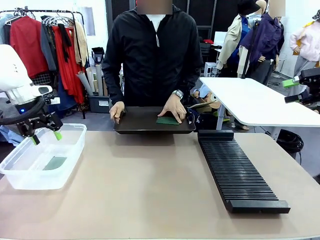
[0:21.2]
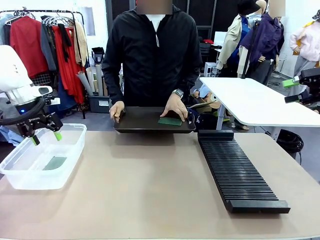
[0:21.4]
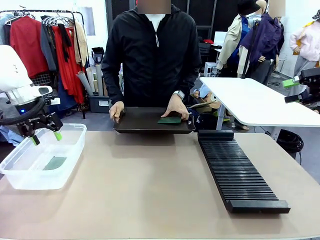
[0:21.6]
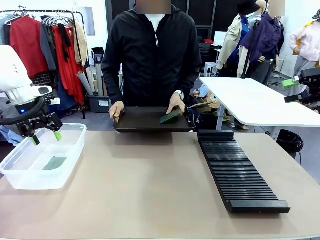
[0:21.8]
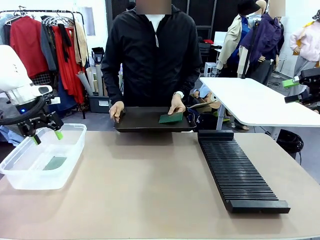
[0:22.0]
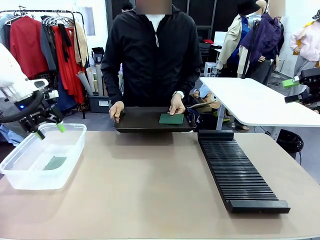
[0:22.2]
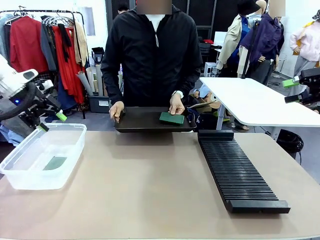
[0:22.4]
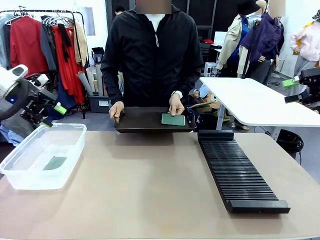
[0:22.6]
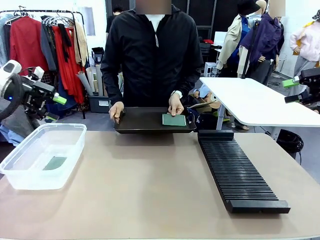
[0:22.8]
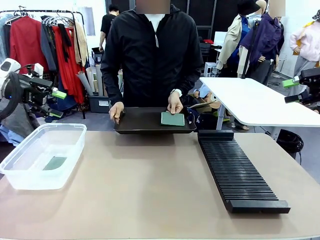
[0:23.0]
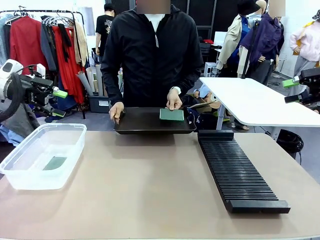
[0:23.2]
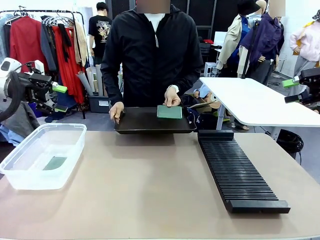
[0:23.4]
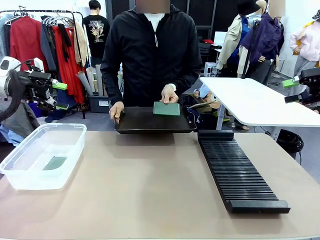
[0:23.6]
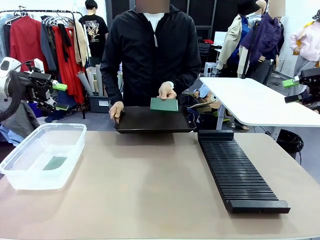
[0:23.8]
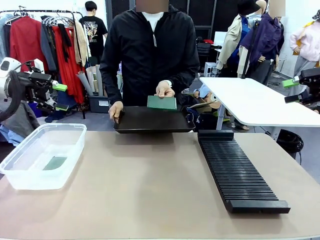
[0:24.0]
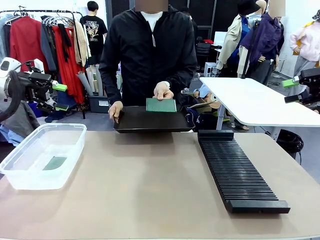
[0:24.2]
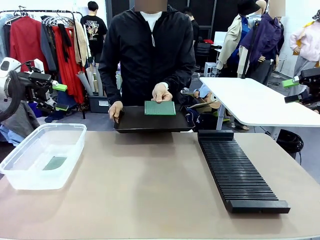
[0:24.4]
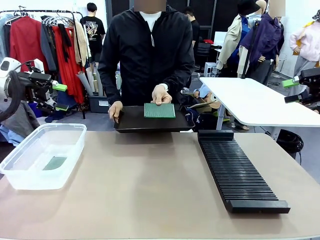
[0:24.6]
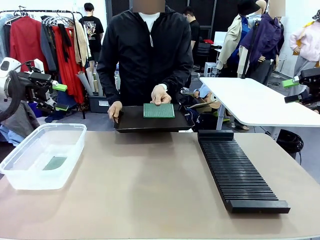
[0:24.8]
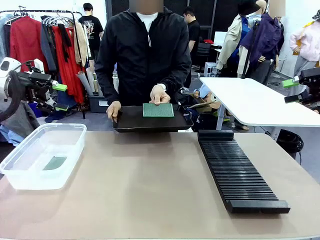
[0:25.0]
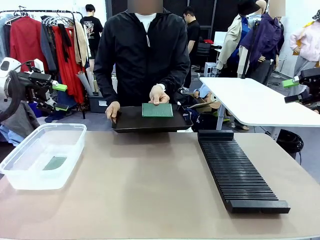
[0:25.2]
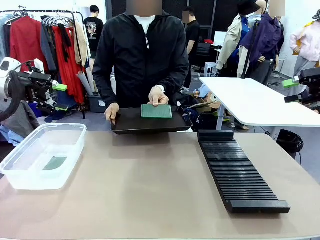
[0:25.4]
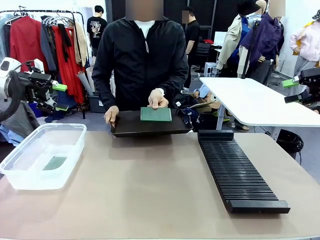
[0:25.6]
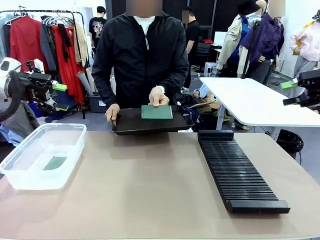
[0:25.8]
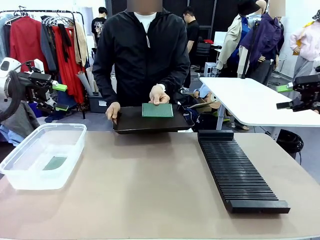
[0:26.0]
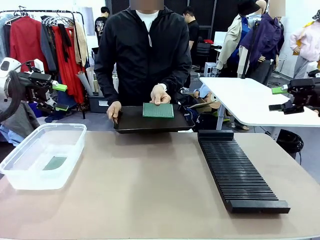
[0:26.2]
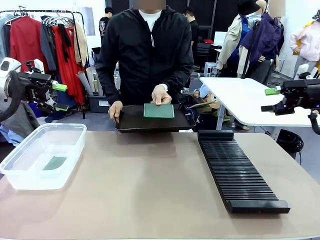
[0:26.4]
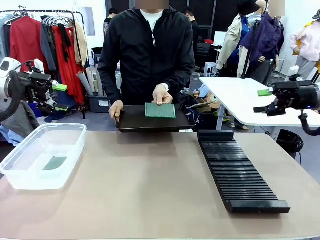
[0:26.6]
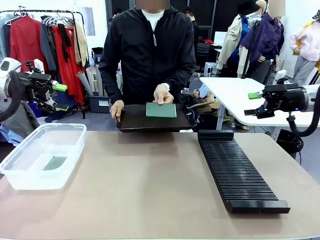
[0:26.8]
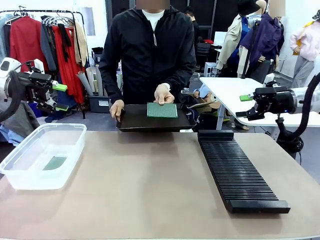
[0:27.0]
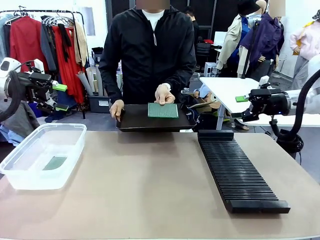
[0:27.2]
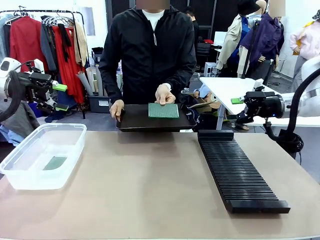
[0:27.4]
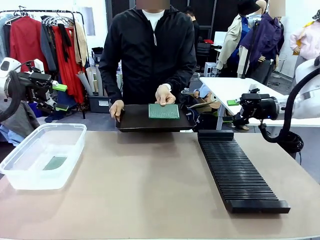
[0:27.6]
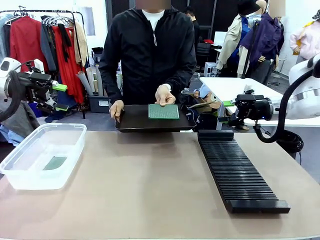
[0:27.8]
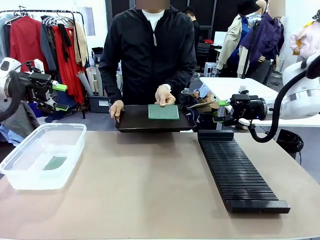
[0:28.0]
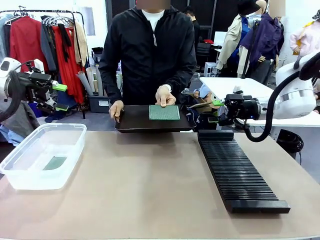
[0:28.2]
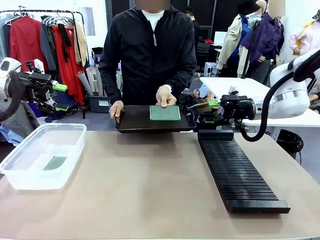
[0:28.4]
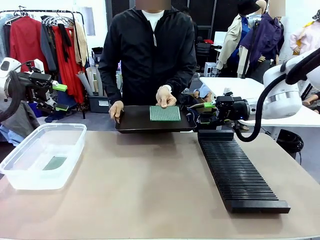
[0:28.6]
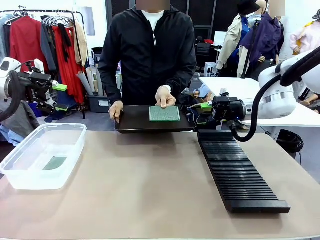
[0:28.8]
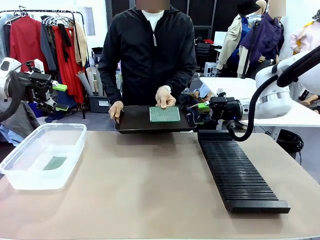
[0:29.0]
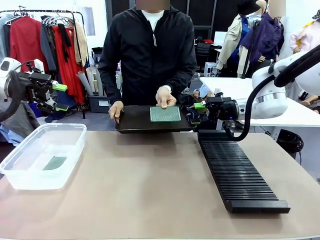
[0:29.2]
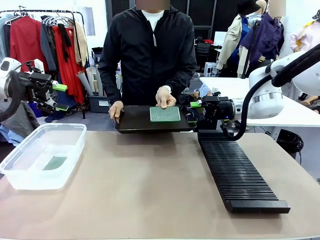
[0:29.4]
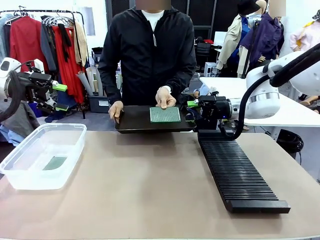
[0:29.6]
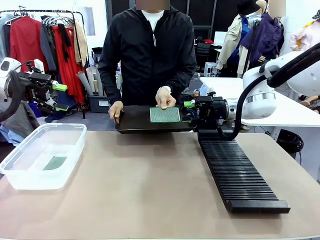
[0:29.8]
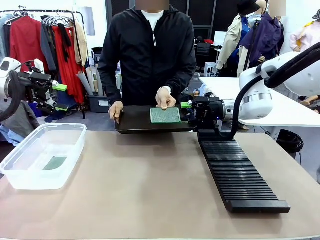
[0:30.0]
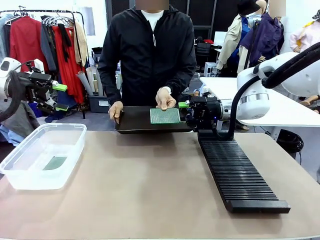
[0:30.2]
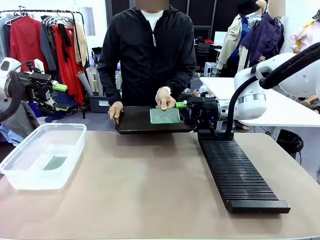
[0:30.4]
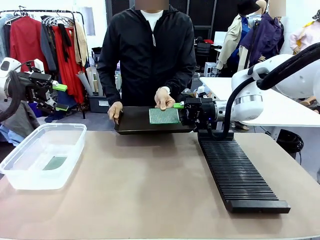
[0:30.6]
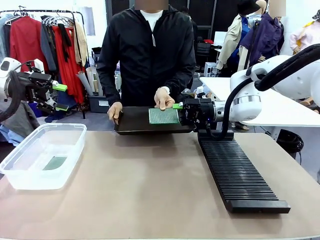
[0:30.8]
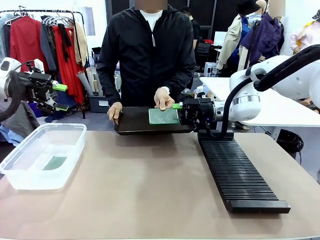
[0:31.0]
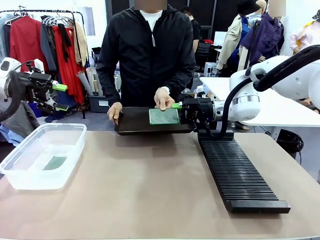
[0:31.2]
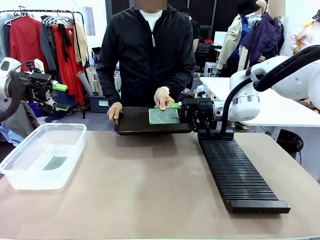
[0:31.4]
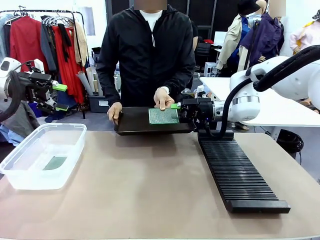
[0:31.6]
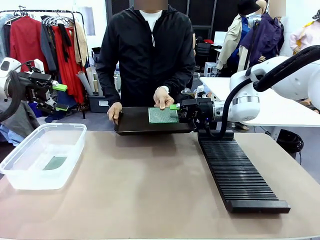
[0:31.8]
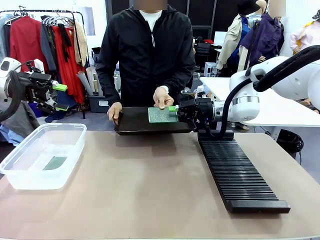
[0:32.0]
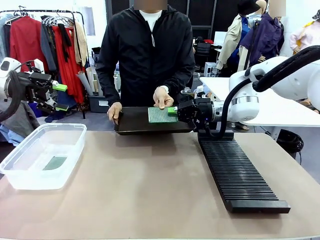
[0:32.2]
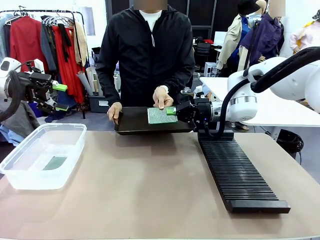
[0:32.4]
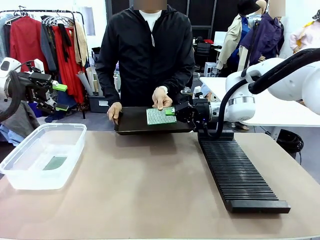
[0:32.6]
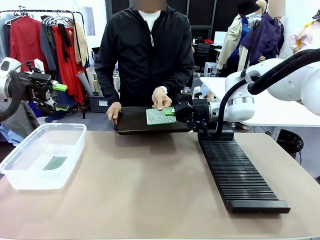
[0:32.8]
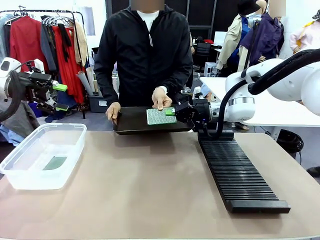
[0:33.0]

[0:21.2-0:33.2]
Task: Sort PCBs into racks and boxes based on the side picked up.
Robot: Pick up the Blank PCB handed by the Human.

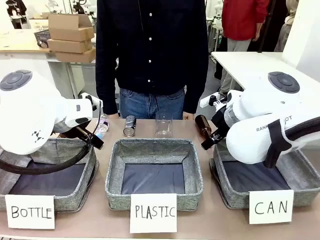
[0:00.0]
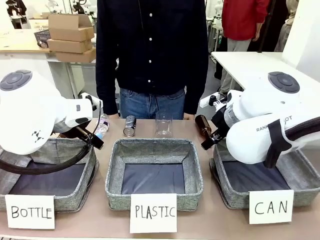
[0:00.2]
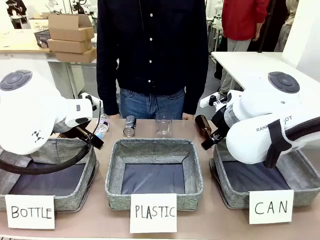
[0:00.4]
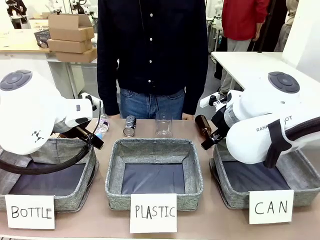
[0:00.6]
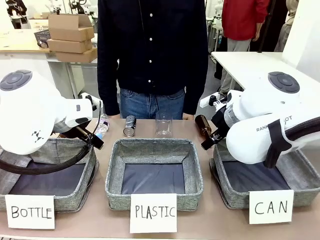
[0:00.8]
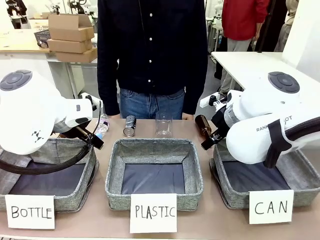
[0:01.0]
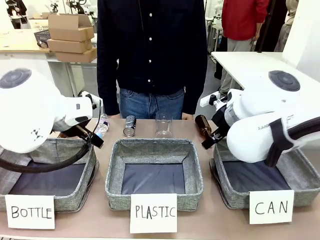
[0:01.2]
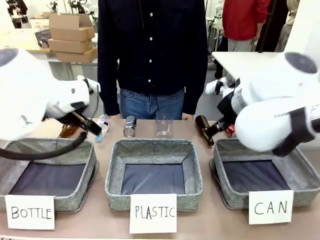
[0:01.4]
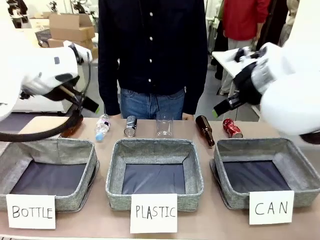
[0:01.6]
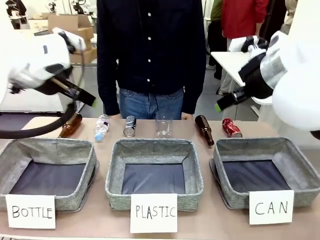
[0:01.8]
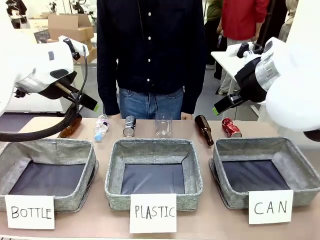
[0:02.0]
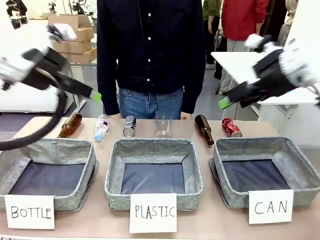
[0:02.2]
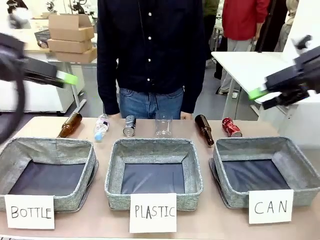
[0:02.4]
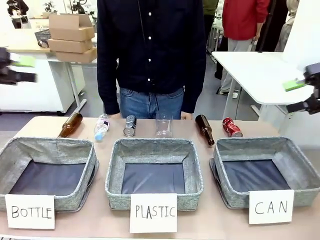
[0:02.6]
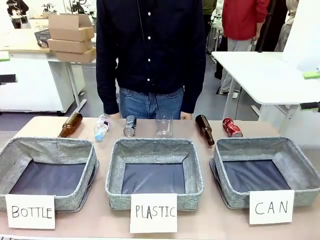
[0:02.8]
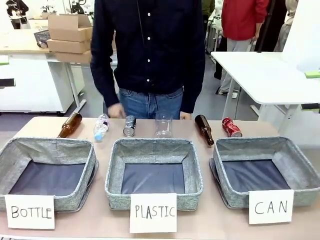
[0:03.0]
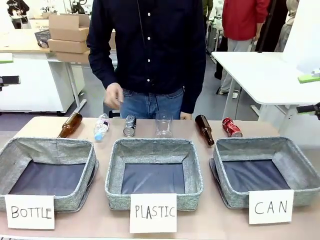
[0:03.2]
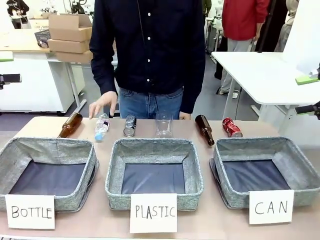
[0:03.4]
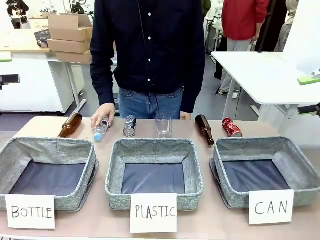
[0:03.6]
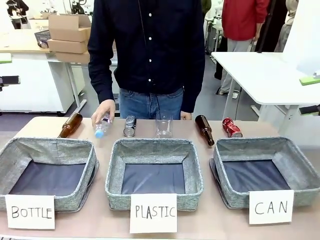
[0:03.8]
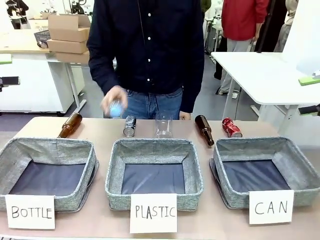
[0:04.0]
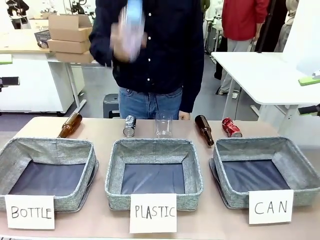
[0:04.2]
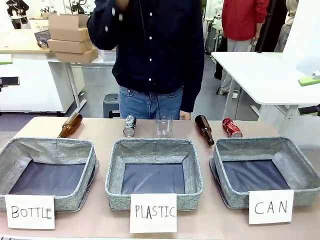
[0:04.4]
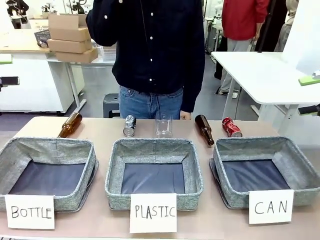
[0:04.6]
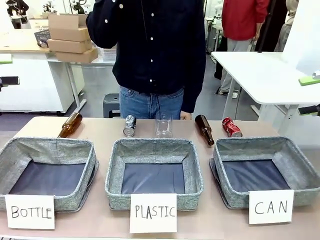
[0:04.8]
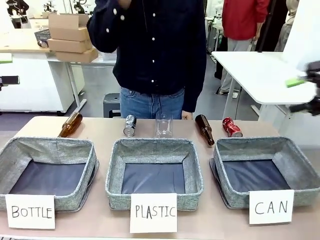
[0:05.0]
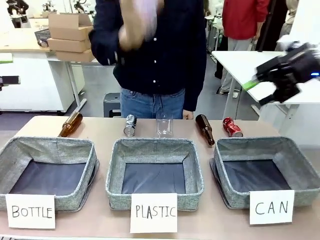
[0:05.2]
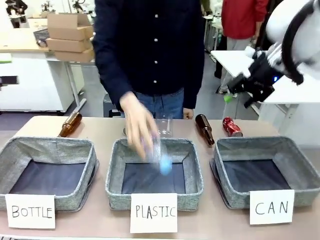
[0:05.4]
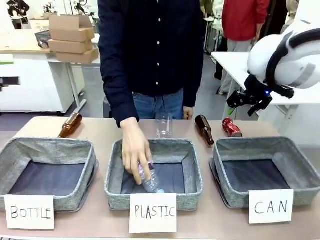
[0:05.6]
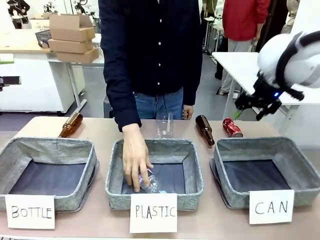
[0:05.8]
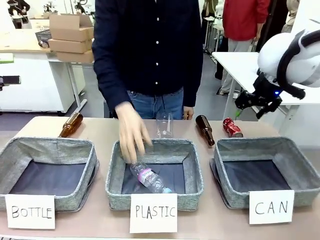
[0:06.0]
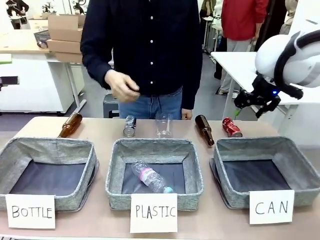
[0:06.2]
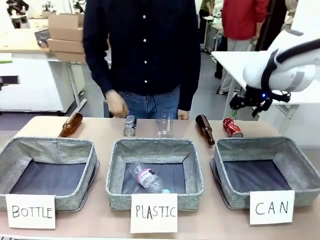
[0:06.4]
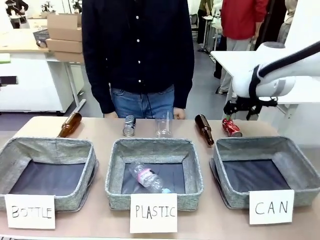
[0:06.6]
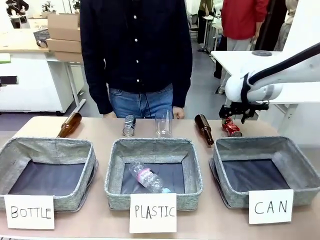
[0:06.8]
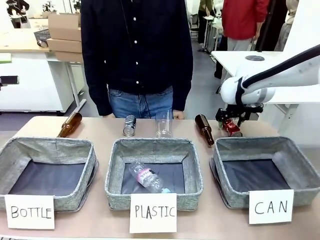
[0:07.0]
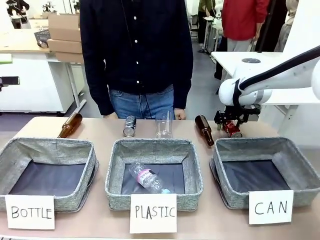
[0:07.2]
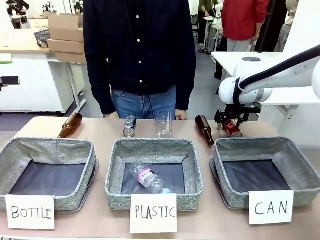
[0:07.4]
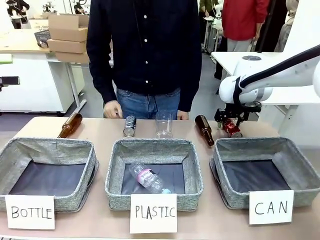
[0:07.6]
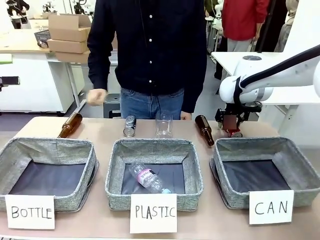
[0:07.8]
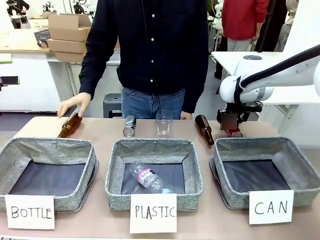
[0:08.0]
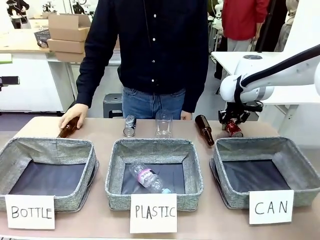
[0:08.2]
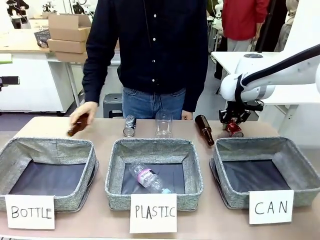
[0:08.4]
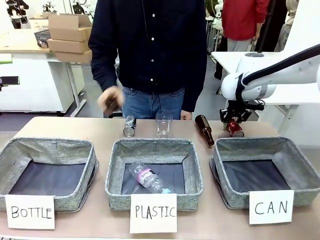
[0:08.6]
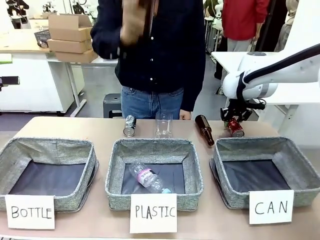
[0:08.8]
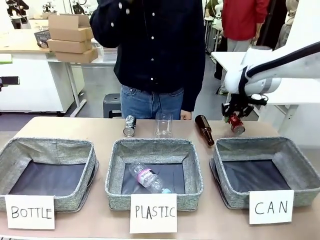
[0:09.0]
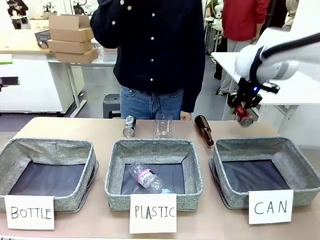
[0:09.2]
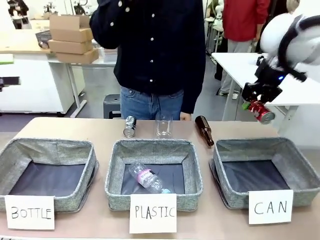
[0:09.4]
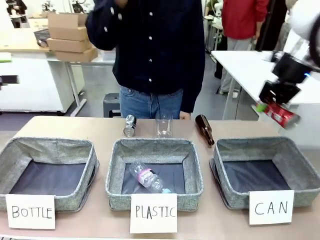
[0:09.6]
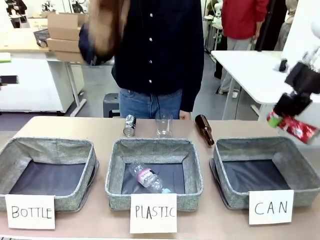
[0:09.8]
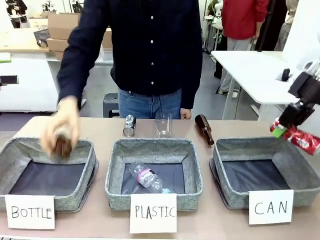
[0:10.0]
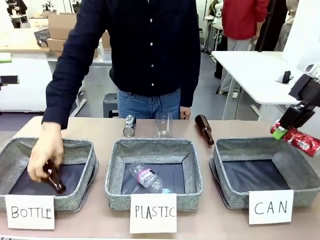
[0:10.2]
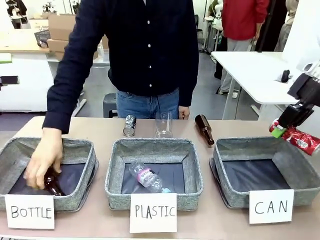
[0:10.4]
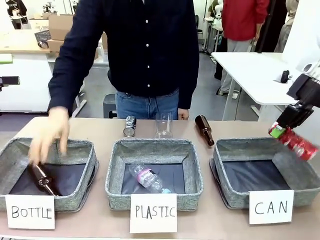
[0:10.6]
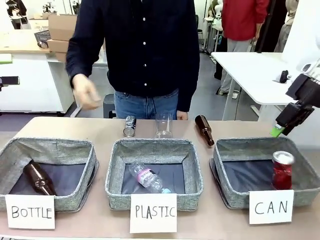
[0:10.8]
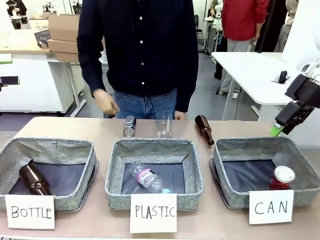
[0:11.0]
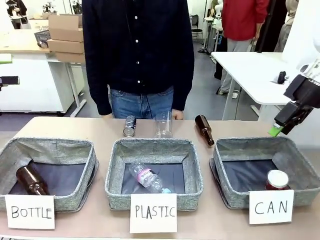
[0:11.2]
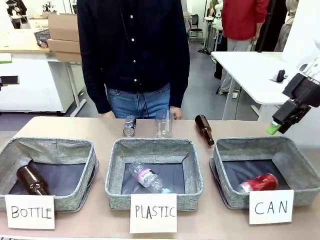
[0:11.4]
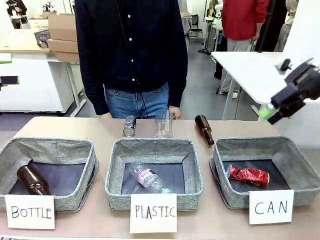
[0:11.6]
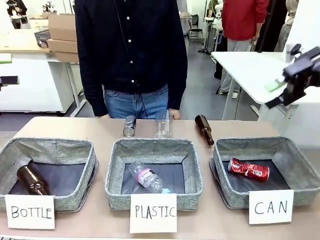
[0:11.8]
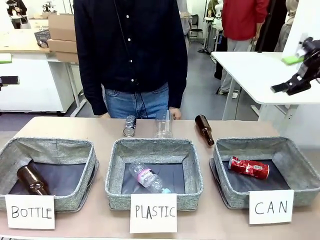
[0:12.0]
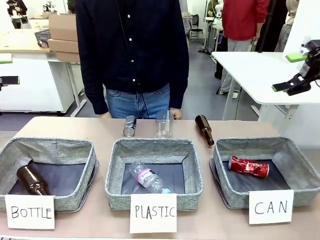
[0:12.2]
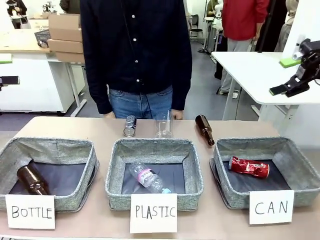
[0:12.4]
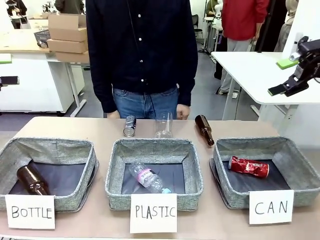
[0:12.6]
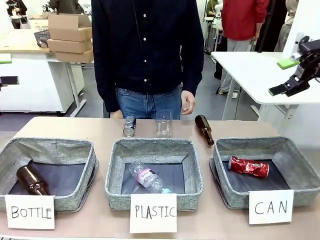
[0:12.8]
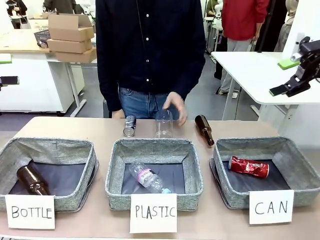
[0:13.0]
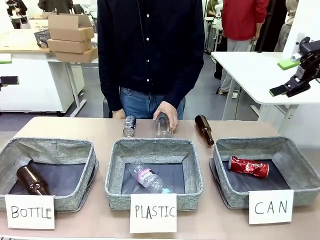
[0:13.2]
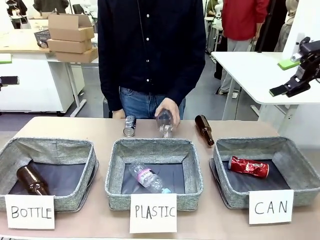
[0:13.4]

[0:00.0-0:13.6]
Task: Sort the can waste into the basket.
Robot: Pick up the can waste from the table and place it in the right Fabric basket.
